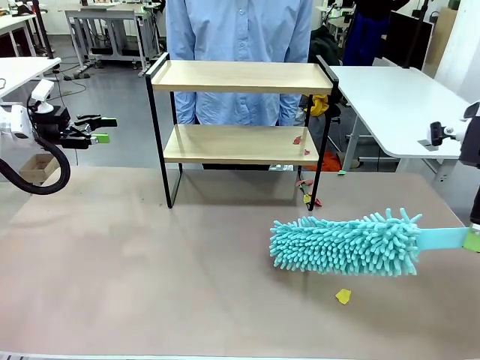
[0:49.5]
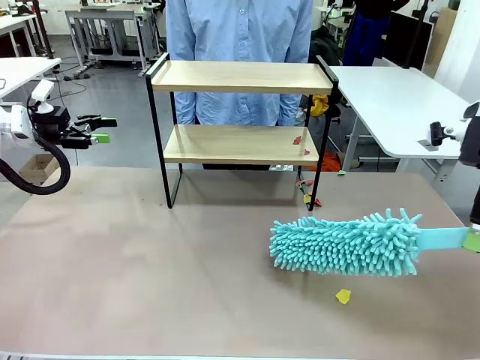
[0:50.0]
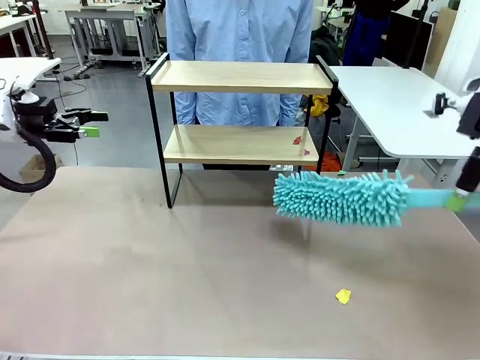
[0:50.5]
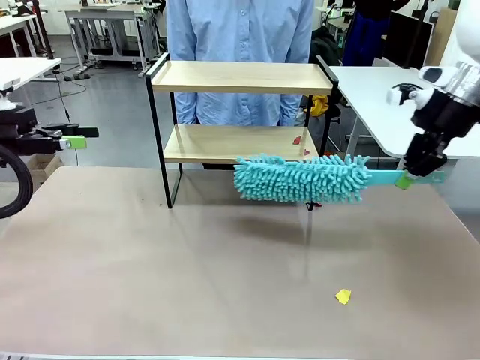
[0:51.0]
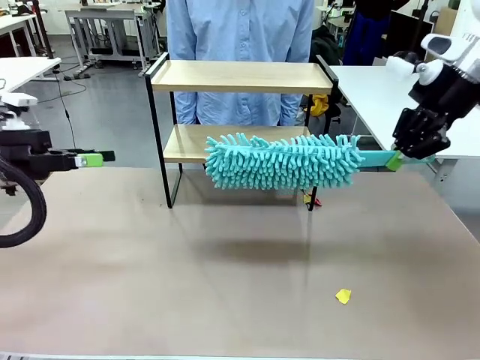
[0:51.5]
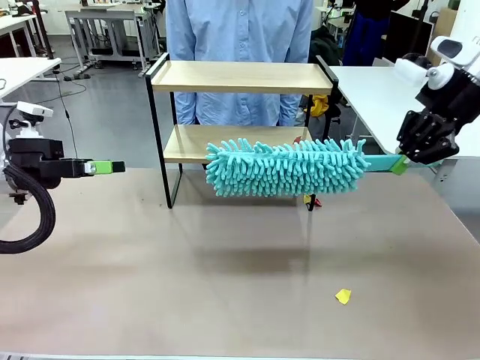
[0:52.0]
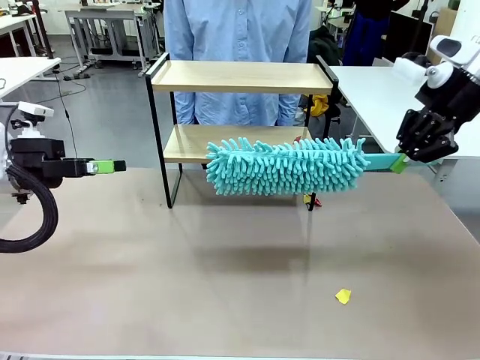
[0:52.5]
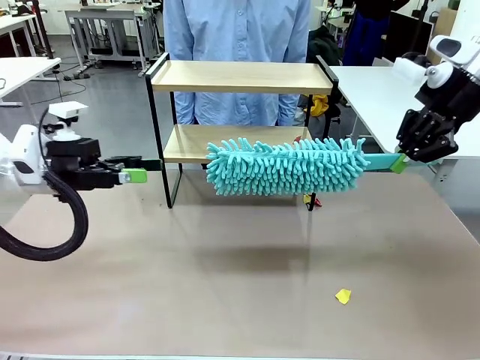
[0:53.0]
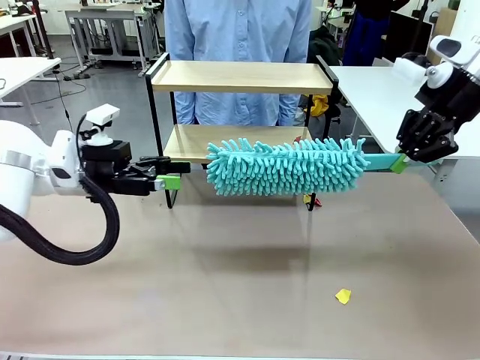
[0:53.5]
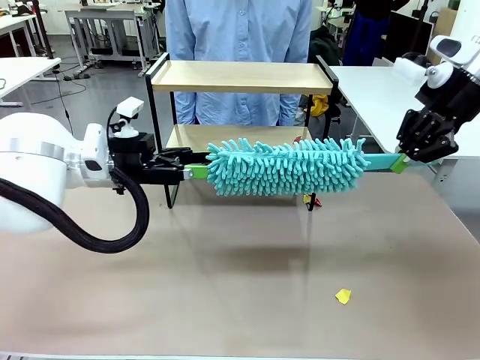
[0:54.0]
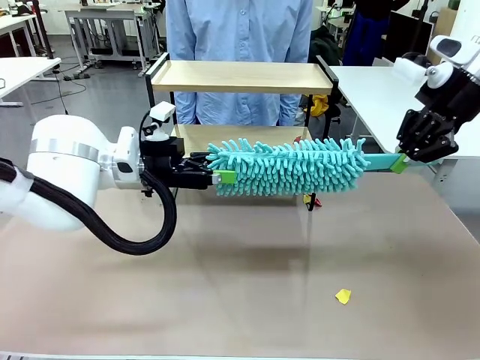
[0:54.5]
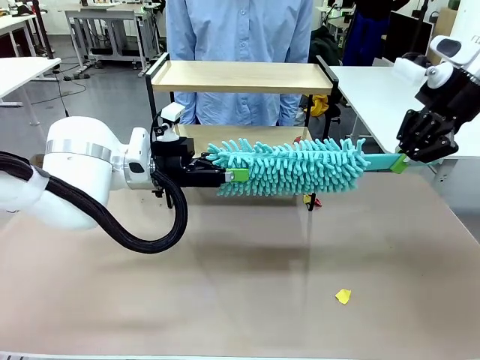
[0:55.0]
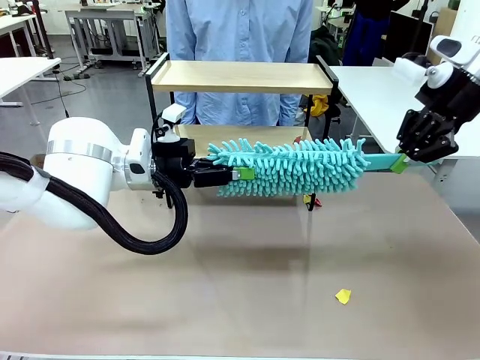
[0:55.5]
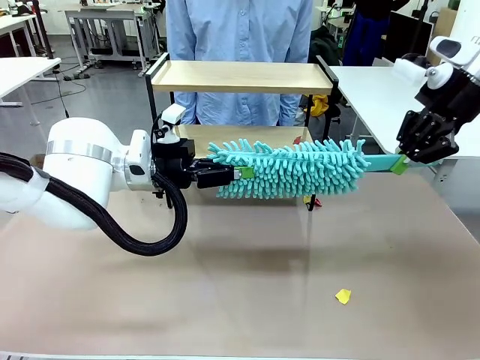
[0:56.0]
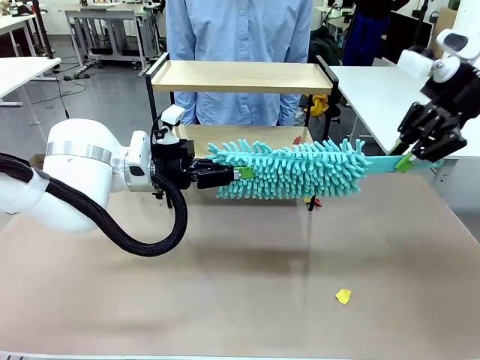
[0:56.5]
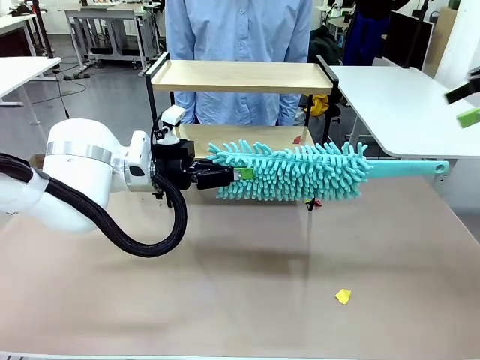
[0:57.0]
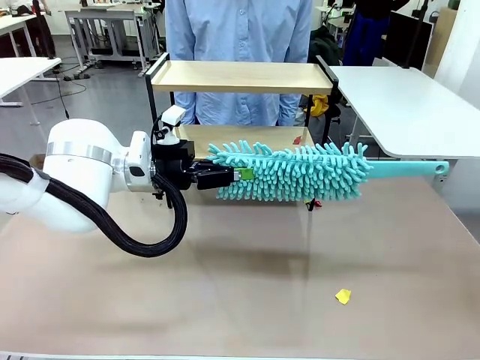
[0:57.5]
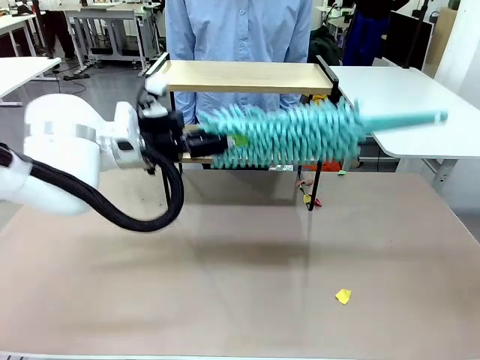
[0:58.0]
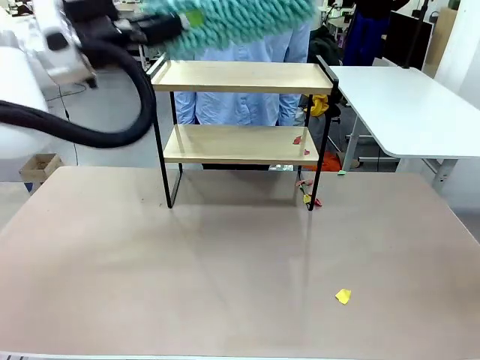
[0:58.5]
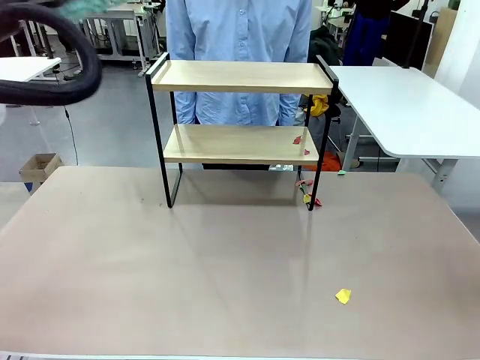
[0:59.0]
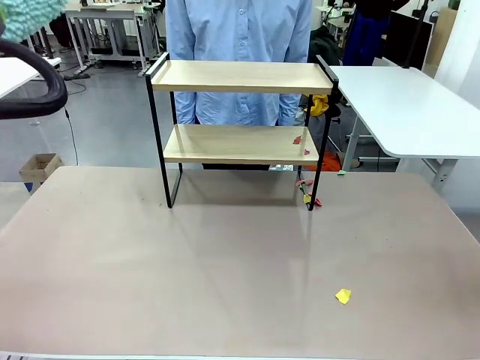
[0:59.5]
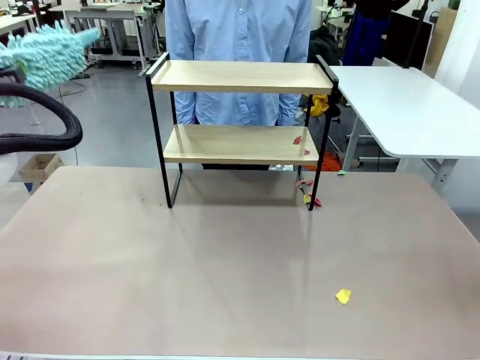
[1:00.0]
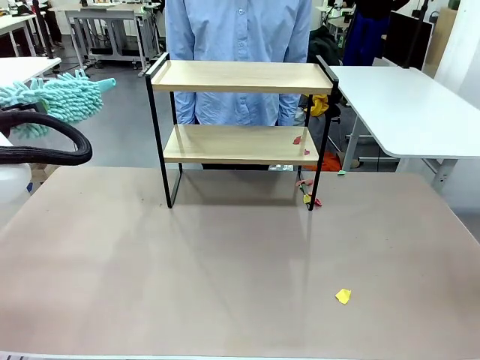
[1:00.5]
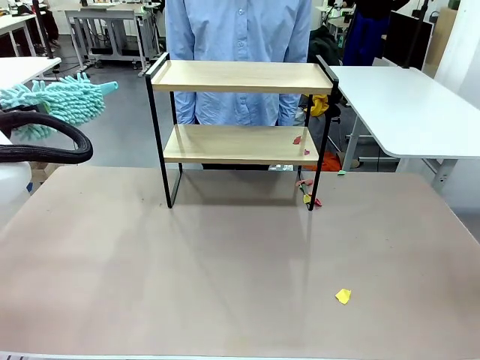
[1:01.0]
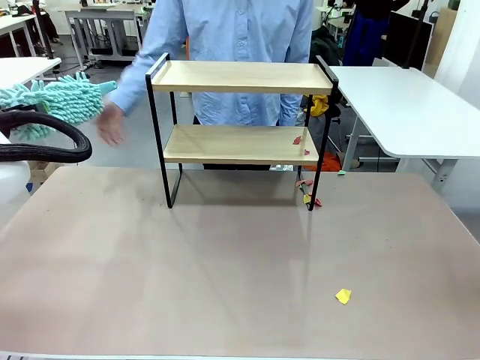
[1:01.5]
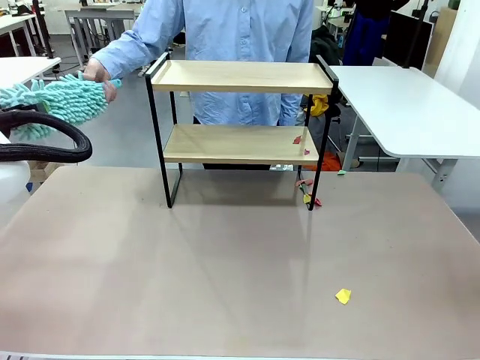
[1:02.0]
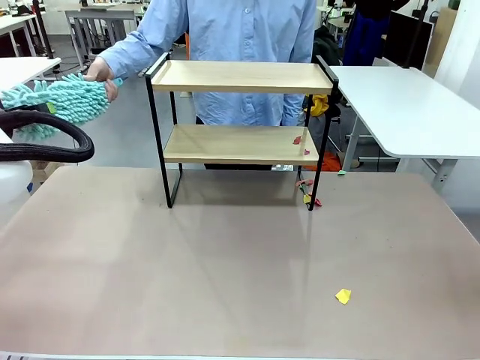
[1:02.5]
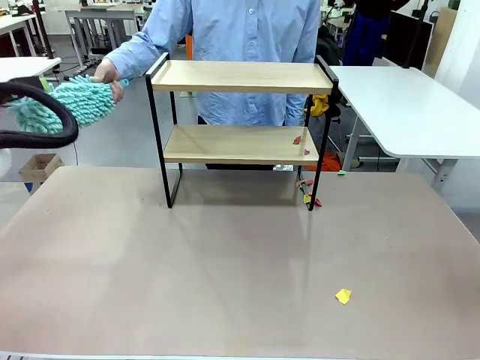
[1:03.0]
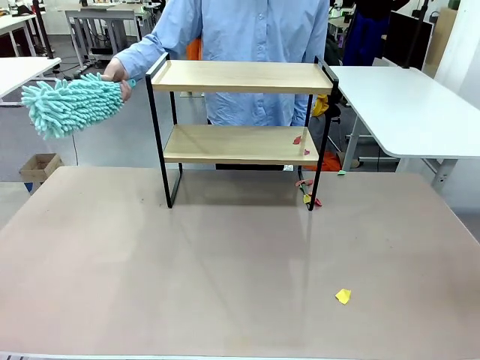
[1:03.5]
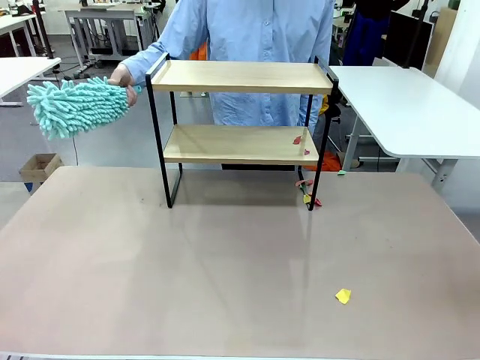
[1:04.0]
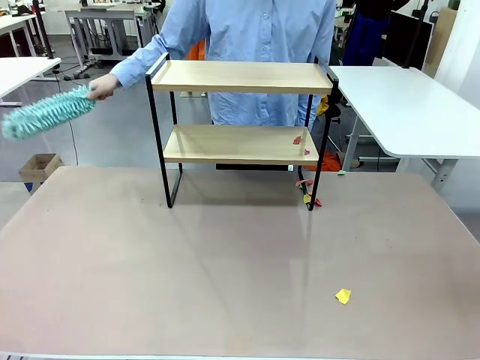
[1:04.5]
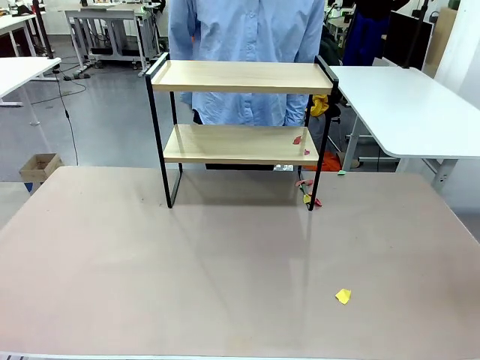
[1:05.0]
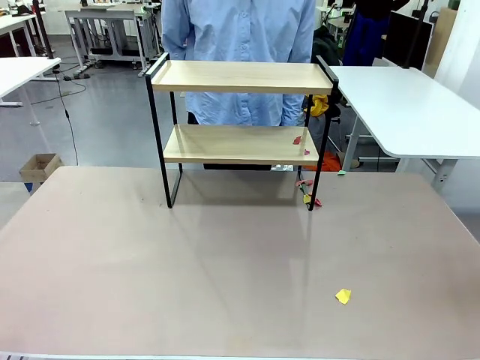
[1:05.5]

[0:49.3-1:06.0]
Task: Clean the shelf.
Robot: Hand the Duster back to the human.
Person: Receive the Duster from the robot.

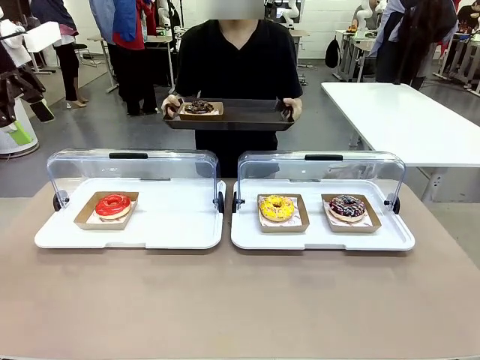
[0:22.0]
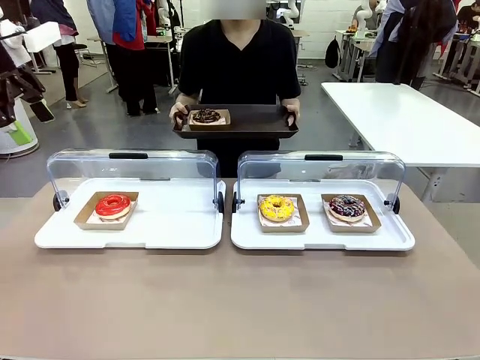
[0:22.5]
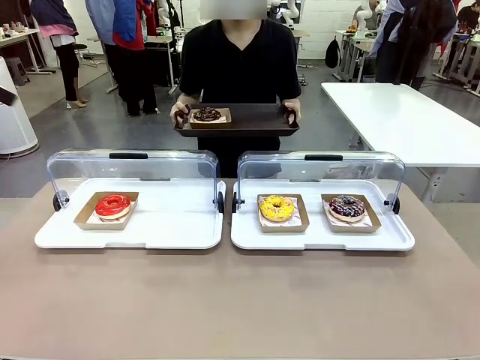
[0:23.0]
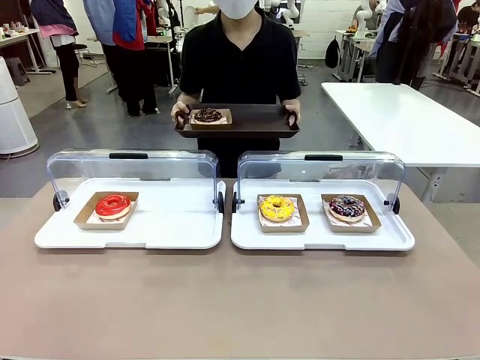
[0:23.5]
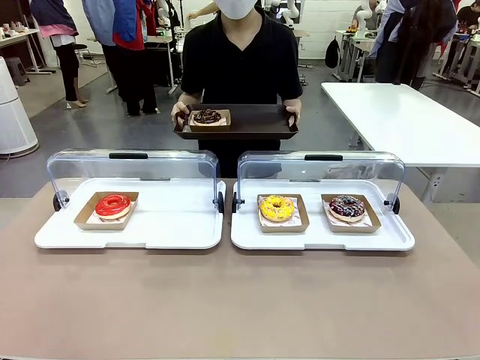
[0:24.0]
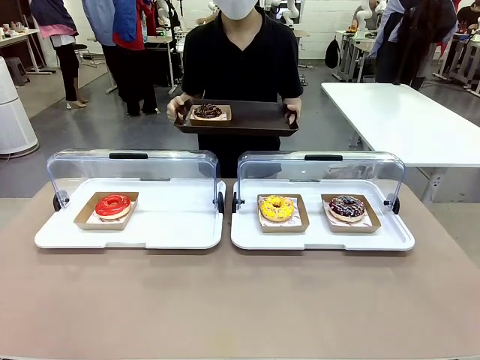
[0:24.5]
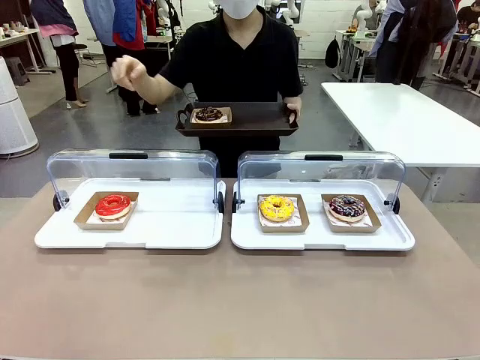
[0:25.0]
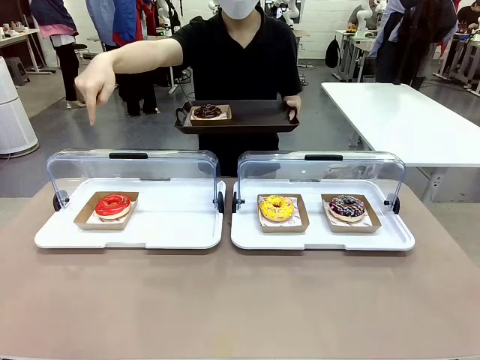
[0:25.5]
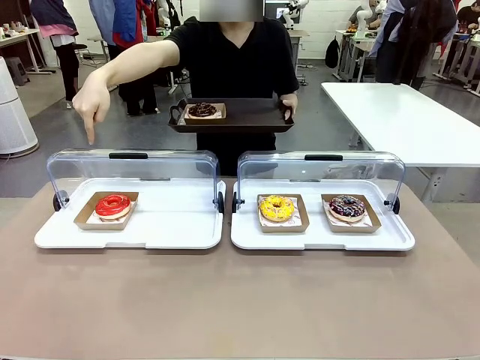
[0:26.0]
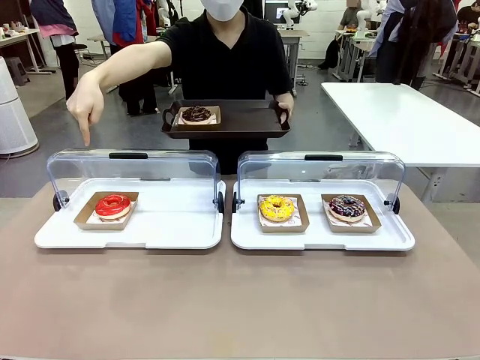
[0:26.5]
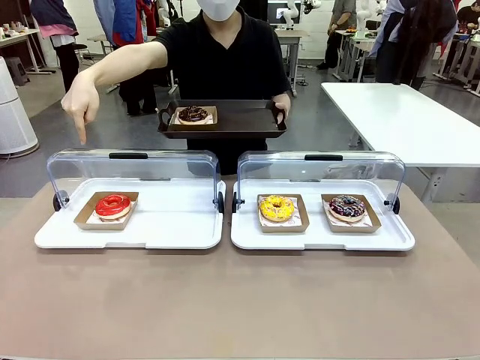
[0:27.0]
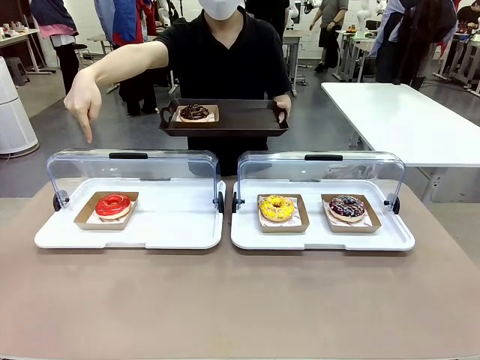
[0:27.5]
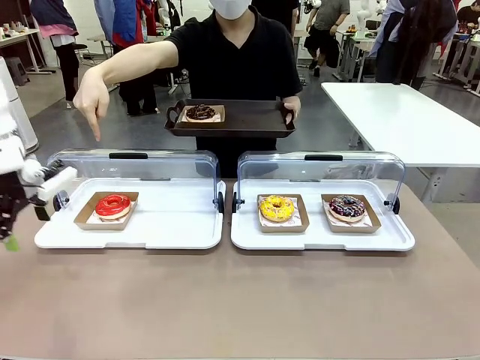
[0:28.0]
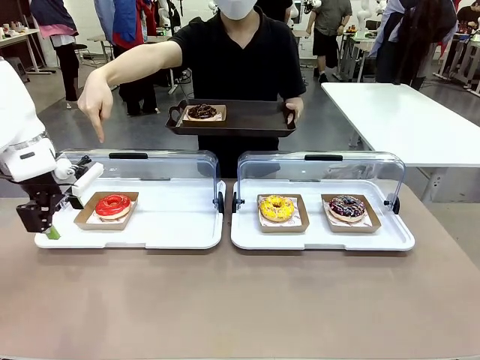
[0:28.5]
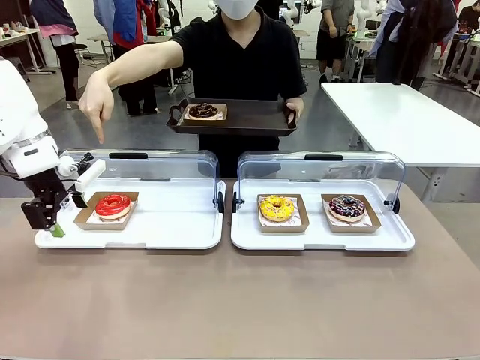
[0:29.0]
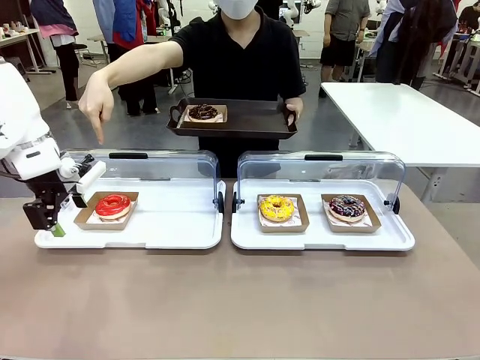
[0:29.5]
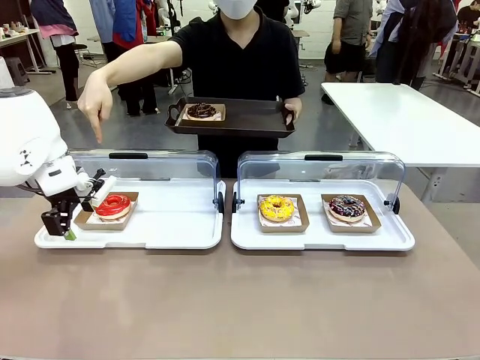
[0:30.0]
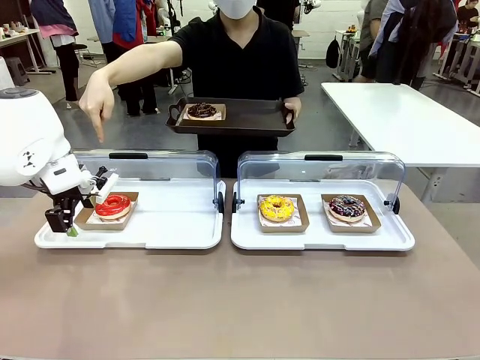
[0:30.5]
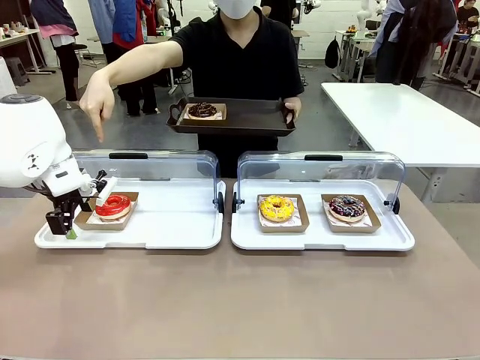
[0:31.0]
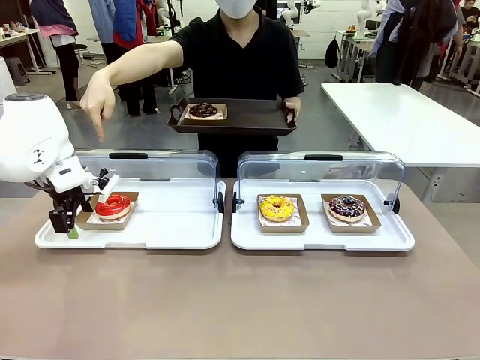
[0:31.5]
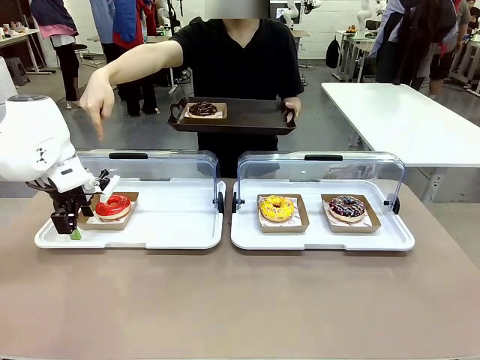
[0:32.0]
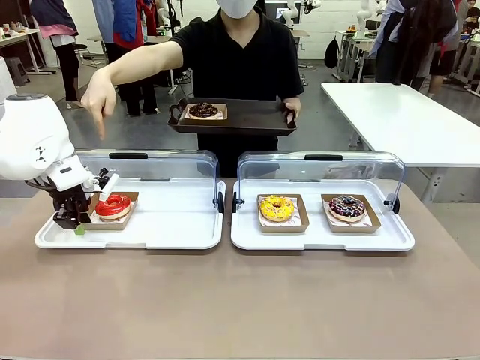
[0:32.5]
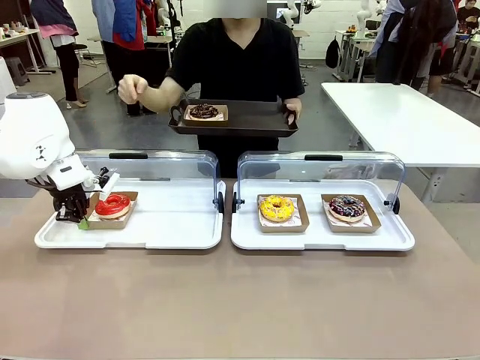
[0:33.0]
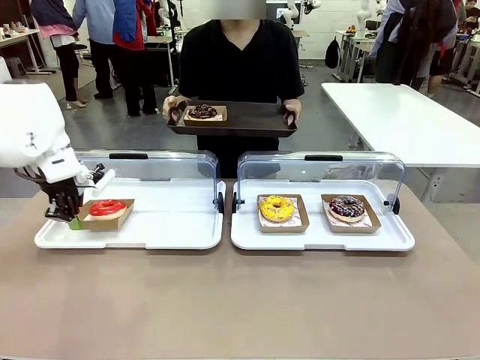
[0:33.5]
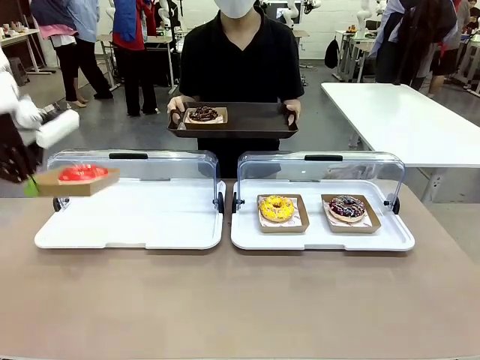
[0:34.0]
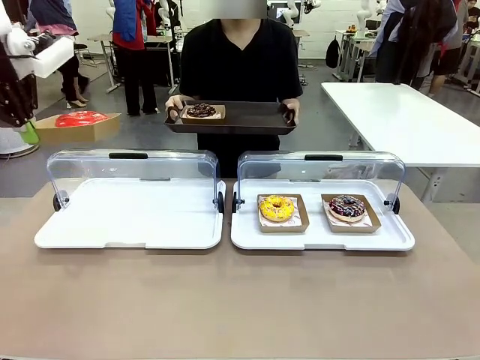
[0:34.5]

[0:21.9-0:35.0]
Task: Provide the desired donut to the person.
Robot: Pick up and lift the Paper togo box containing the Donut pointed at by the person.
Person: Point to one donut. Lift the tray onto the Roll-Top Bakery Case.
